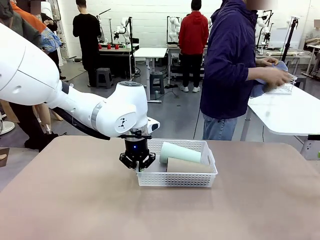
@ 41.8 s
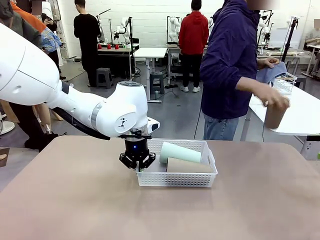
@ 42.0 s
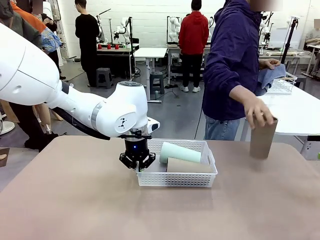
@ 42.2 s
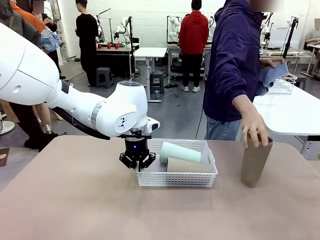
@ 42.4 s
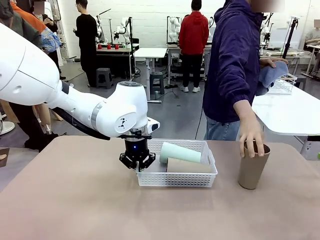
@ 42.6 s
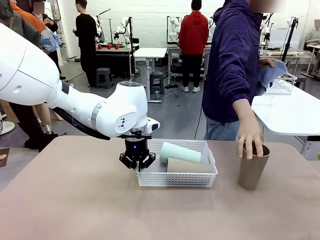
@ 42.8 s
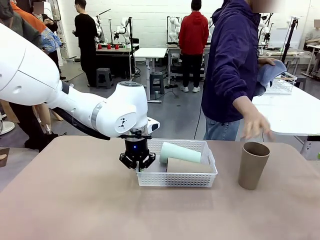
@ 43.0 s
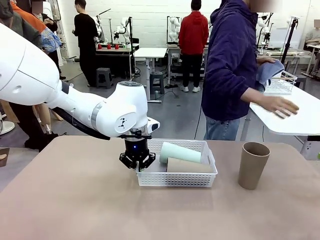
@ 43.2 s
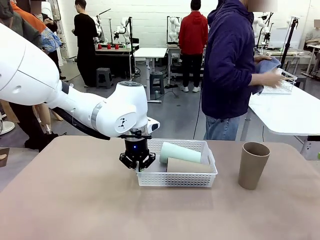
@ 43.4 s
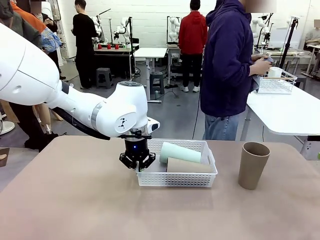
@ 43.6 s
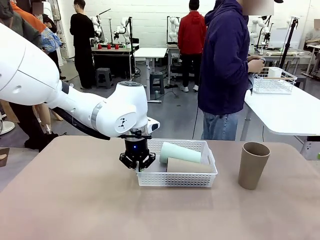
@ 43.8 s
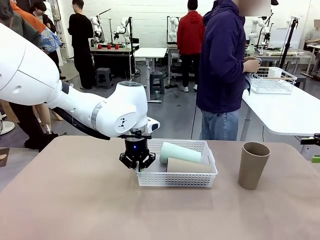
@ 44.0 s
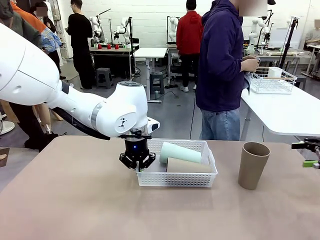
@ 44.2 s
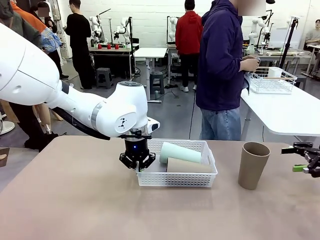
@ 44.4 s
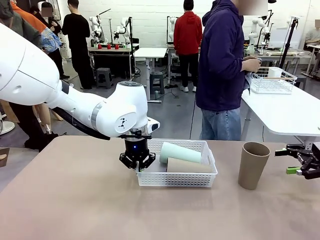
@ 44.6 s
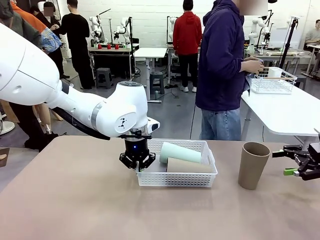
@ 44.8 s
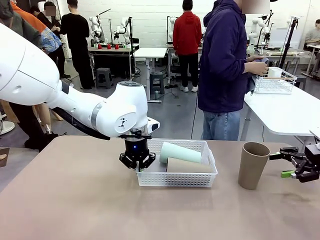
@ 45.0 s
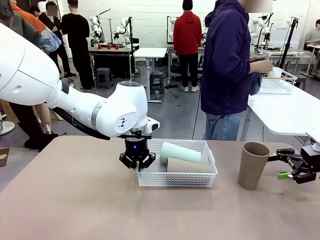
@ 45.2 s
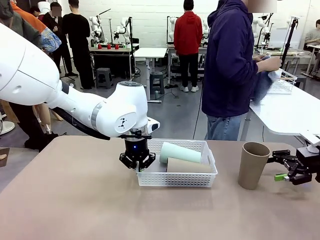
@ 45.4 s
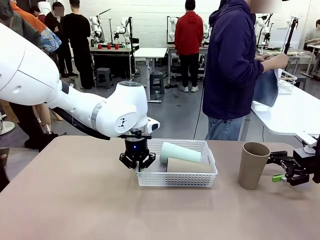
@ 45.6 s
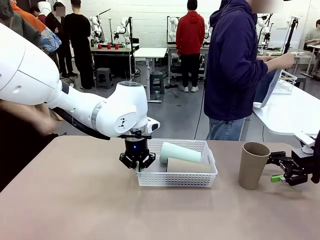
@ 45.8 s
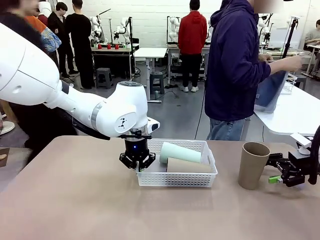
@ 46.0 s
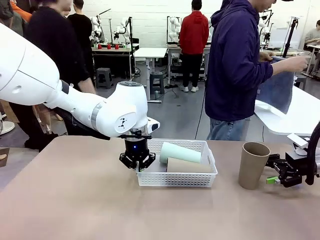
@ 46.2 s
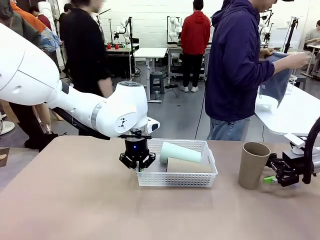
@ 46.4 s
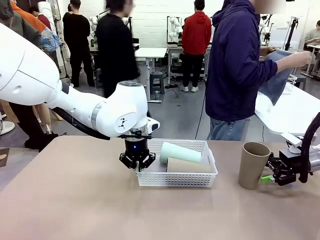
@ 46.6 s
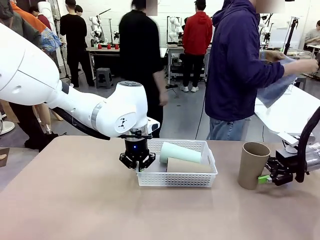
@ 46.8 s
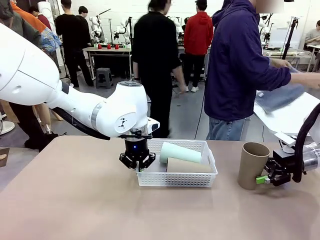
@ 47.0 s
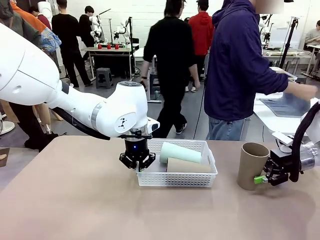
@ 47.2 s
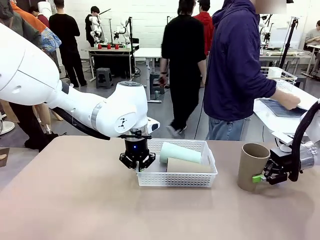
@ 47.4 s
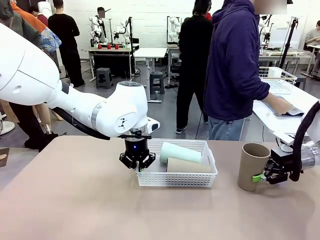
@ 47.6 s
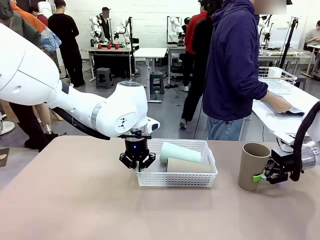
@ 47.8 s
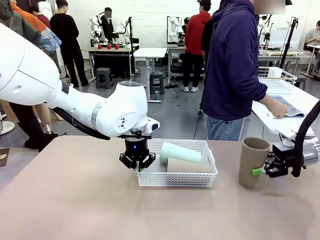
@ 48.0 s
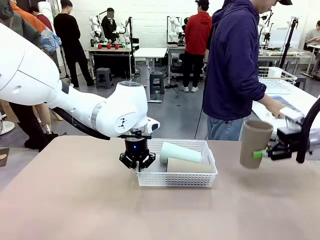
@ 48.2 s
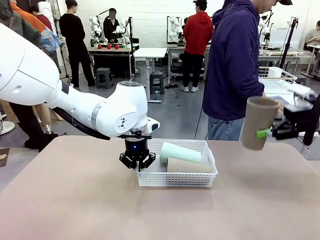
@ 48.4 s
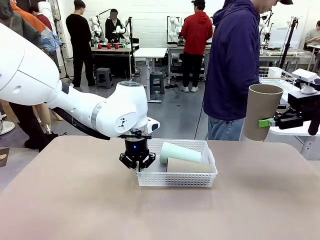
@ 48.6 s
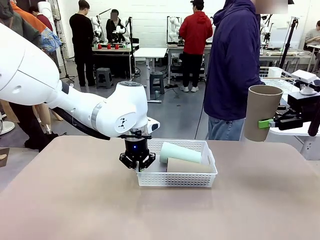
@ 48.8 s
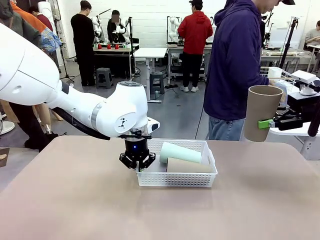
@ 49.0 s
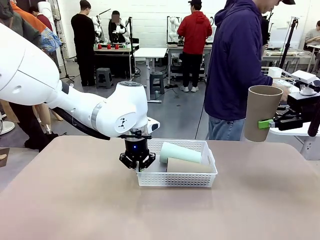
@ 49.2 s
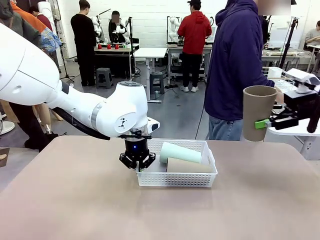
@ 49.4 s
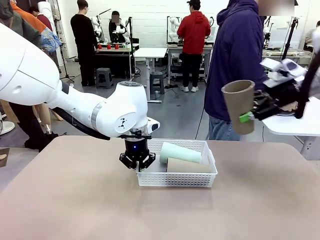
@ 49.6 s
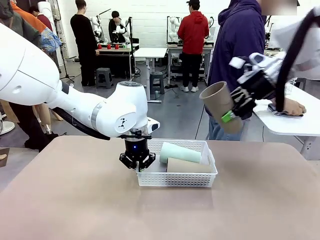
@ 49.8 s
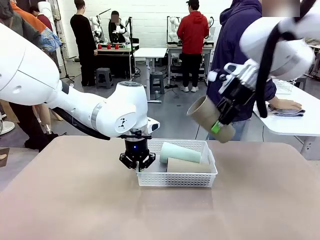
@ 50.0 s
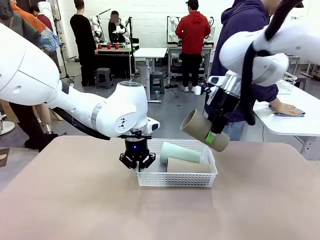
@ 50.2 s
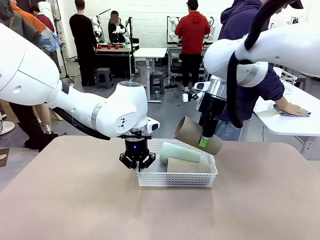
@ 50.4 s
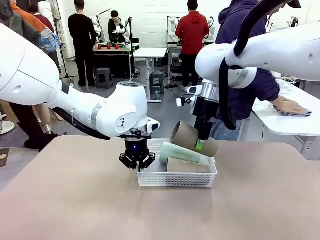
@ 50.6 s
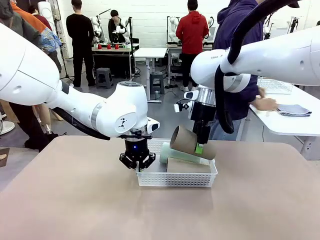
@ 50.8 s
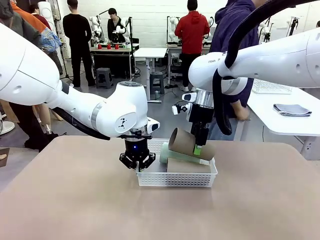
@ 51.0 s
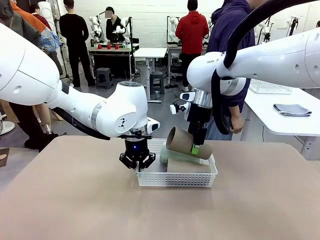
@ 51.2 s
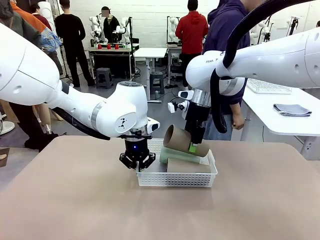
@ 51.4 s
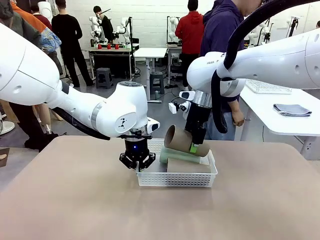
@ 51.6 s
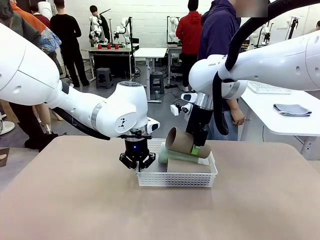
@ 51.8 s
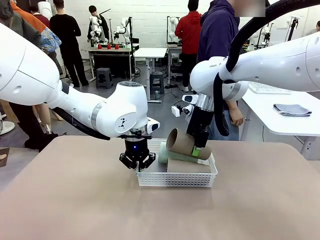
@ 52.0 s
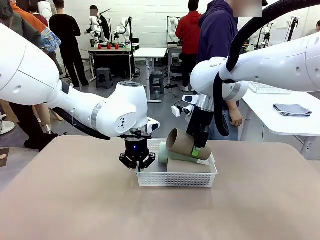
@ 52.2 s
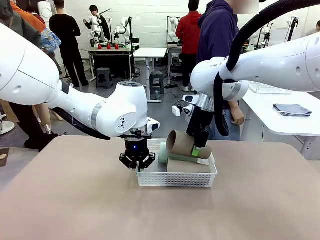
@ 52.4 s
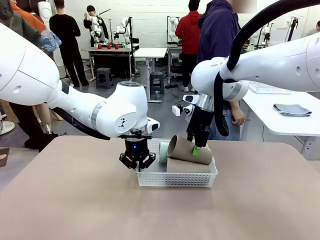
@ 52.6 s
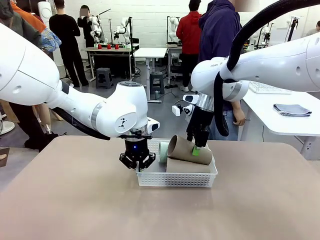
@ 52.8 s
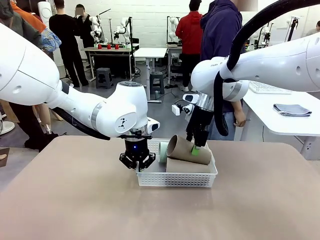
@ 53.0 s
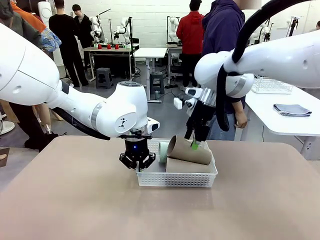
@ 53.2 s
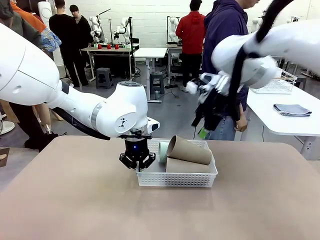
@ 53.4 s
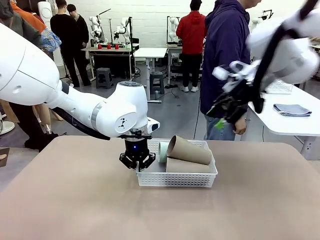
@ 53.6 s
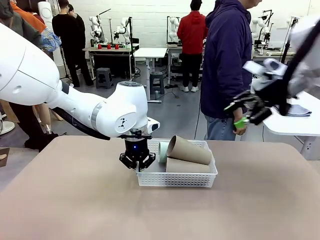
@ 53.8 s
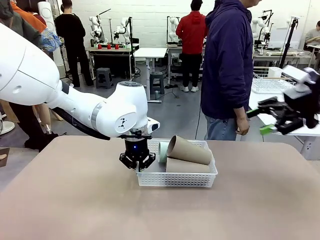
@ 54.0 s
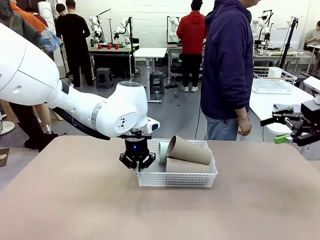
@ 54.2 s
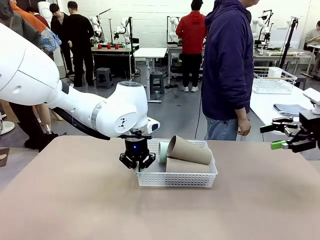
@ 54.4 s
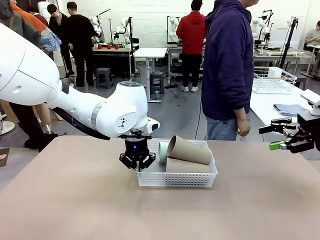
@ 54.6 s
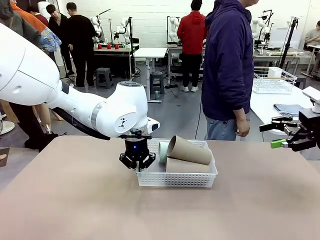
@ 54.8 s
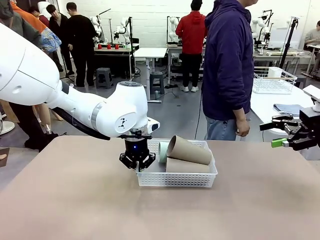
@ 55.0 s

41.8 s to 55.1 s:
Task: Clean and organize the cups into the basket.
Robot: Pick up the Reusable plastic cup from the right side of the table and stack it inside the Organizing basket in the center of the table.

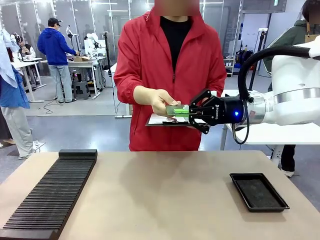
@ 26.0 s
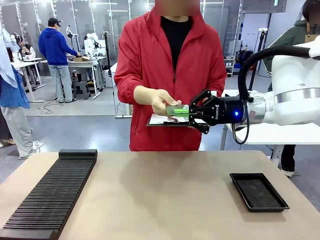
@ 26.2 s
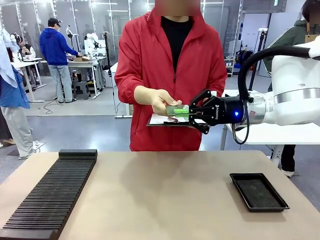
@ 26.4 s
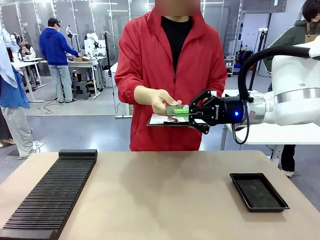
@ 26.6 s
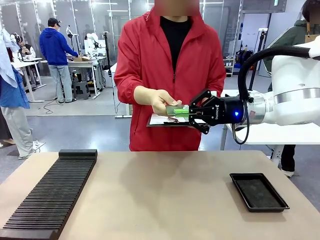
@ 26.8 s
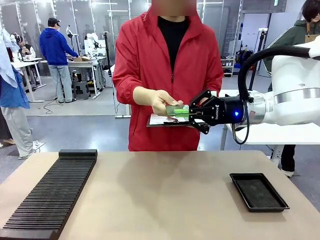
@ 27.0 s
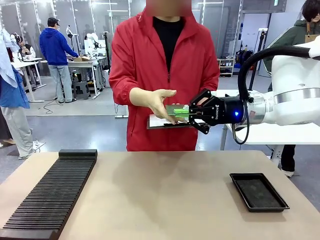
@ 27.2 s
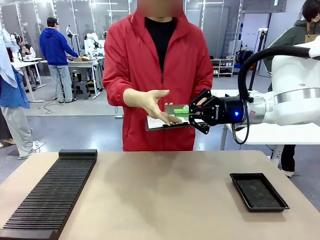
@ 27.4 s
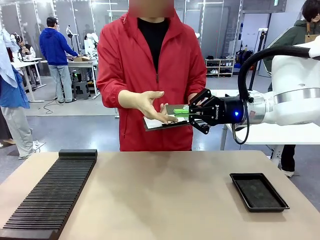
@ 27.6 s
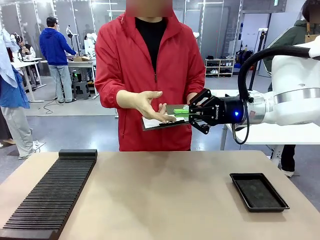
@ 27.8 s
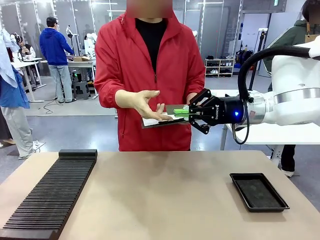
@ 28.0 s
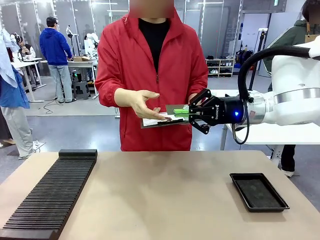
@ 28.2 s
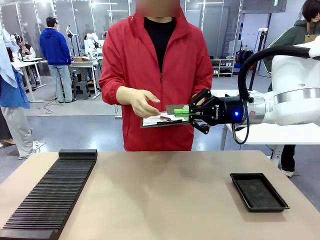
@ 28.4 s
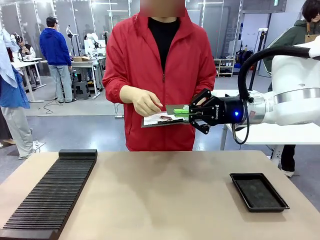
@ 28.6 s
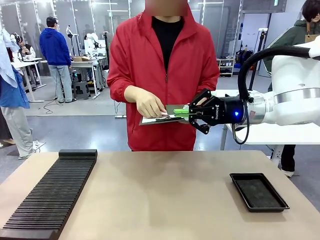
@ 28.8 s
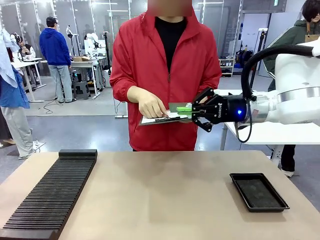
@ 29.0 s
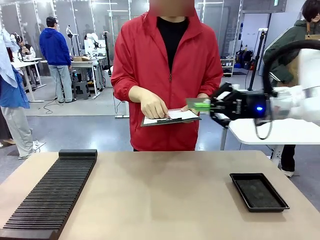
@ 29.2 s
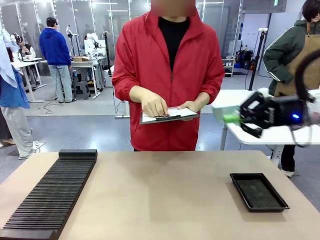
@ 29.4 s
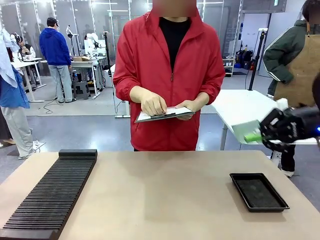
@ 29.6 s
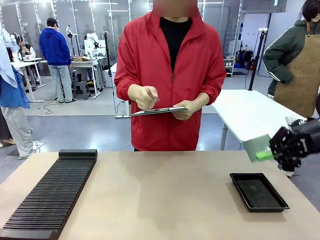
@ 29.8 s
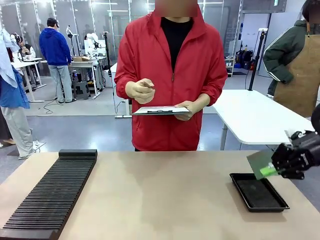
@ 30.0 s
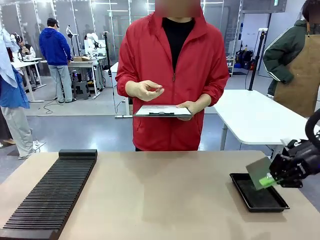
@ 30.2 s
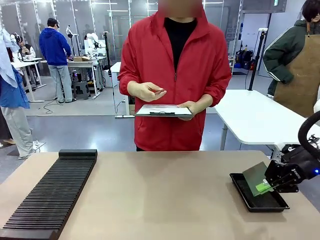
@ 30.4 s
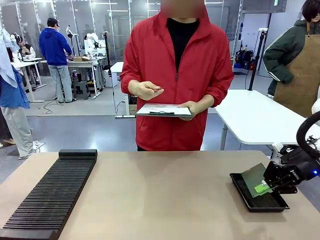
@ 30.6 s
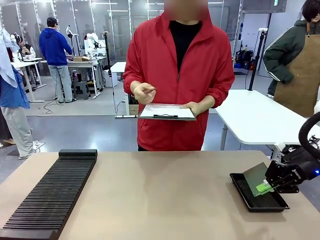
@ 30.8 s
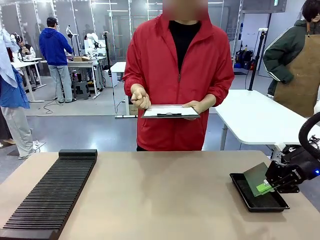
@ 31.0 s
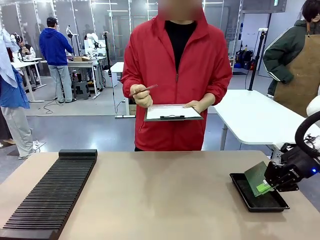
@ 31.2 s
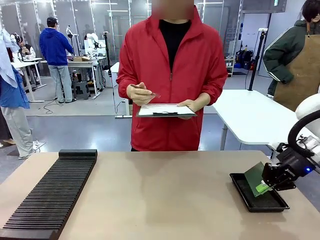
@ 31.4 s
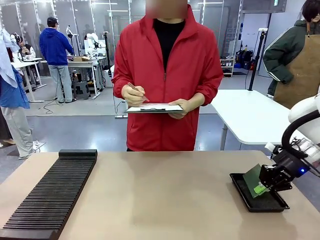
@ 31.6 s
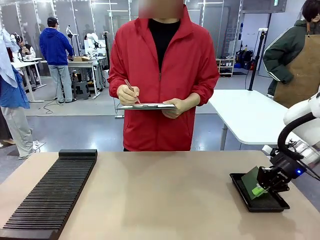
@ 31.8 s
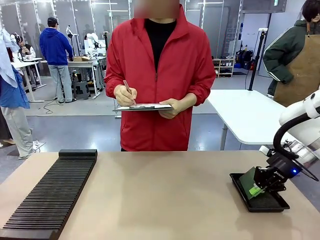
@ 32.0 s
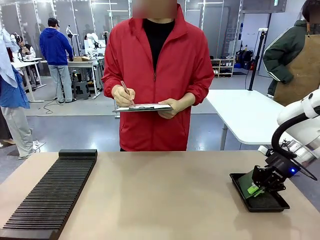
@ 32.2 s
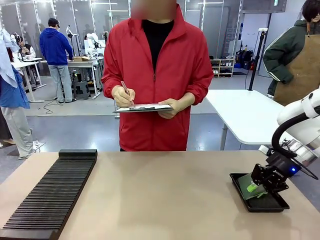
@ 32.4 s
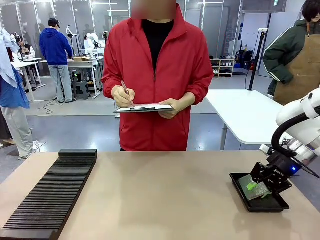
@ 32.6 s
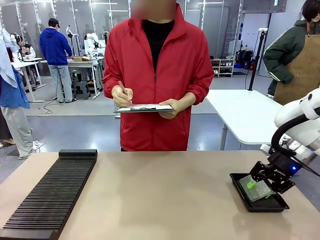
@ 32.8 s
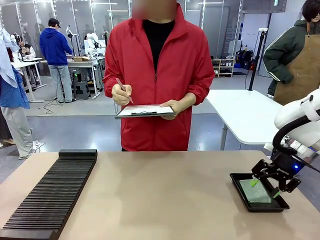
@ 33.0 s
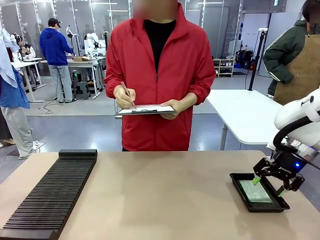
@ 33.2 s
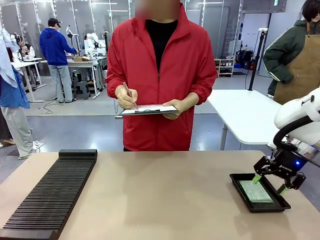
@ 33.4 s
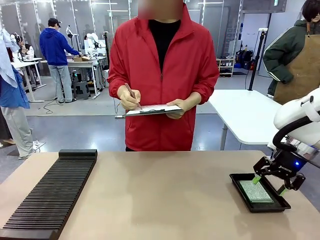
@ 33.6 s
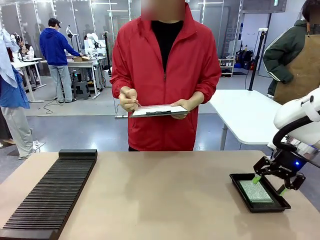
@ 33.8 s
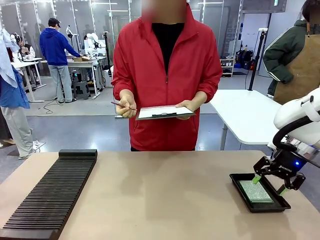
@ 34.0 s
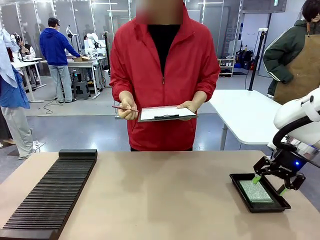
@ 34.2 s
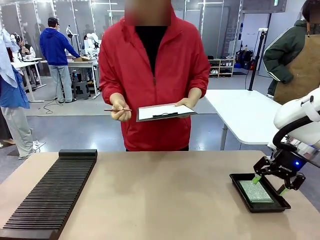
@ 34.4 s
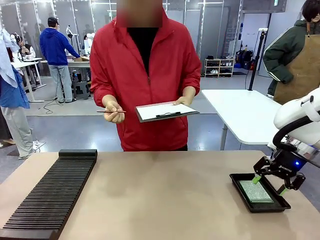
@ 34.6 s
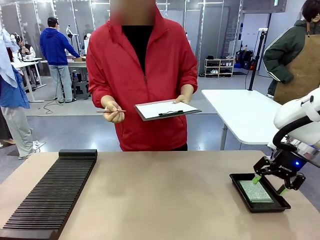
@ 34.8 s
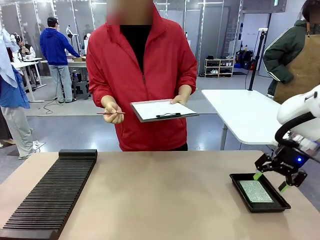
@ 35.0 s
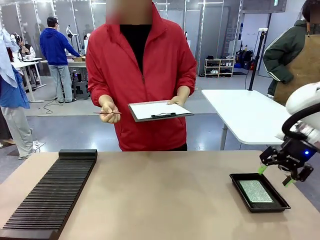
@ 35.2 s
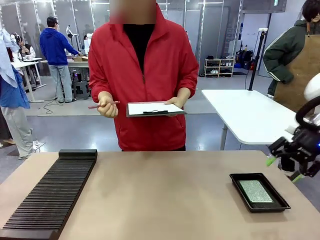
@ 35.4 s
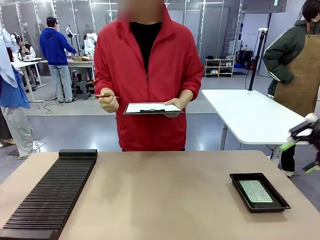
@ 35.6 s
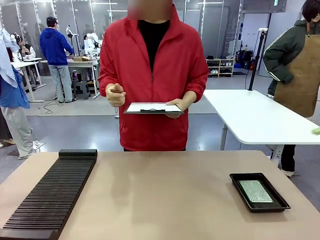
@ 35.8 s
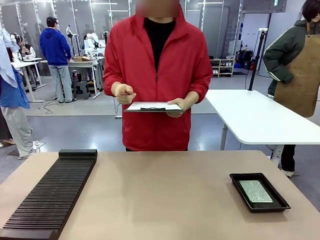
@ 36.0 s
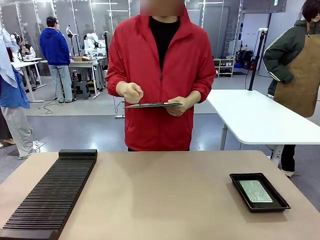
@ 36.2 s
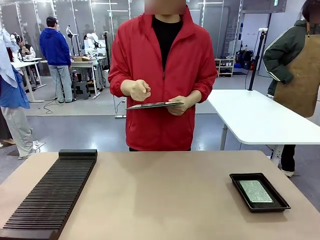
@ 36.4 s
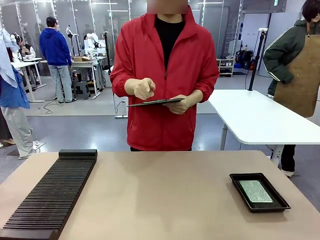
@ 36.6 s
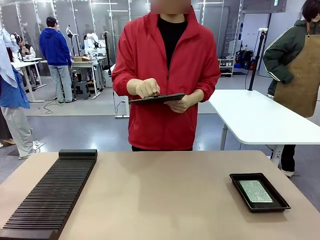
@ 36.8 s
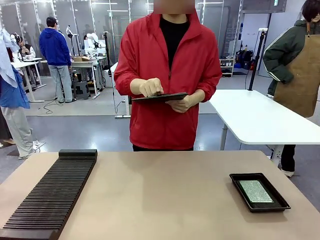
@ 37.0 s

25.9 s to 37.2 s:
Task: Inspect the PCB.
Robot: Place the Blank PCB in the ESD tray.
Person: Record the PCB status on the paper.
